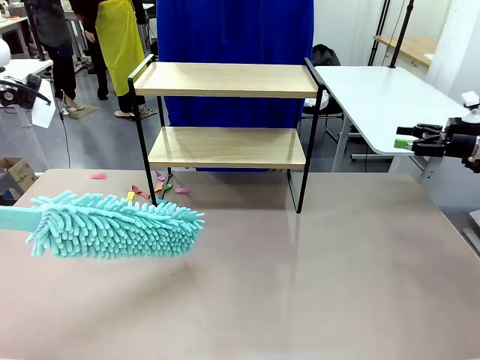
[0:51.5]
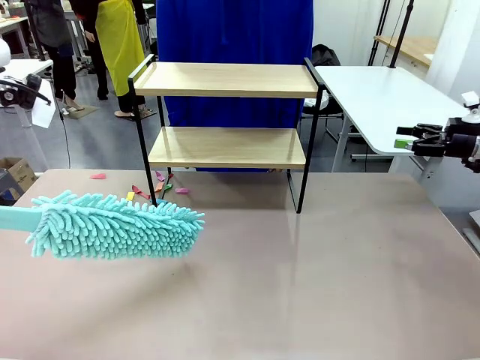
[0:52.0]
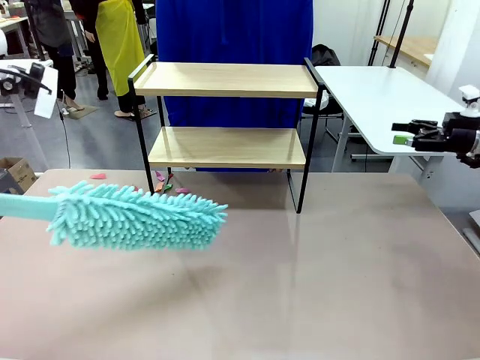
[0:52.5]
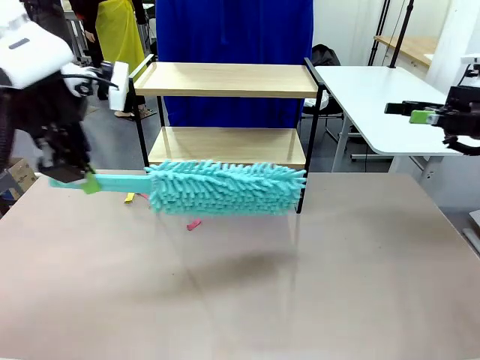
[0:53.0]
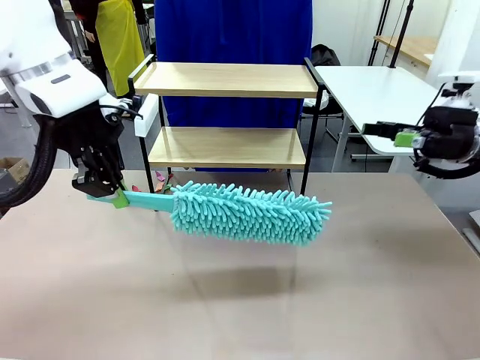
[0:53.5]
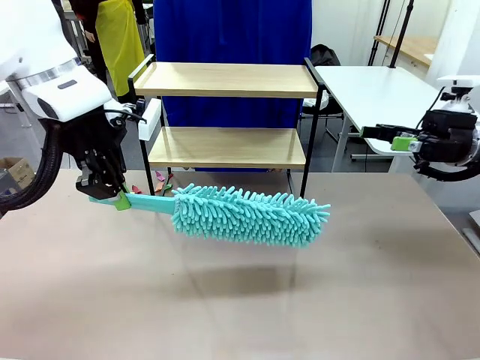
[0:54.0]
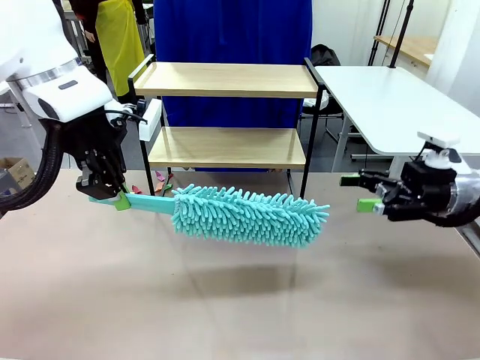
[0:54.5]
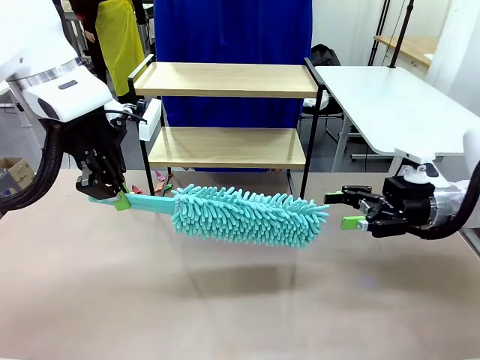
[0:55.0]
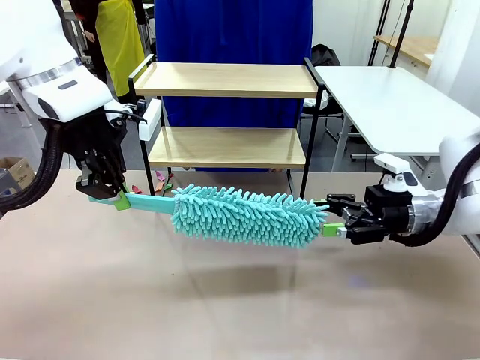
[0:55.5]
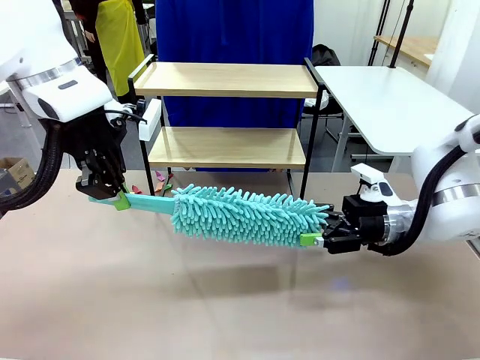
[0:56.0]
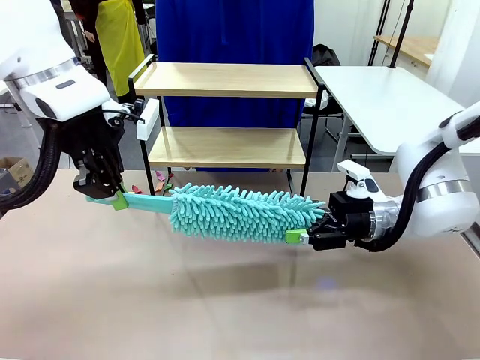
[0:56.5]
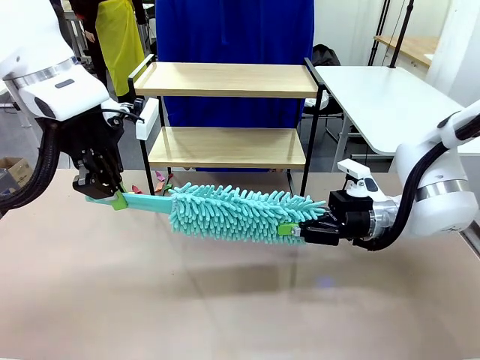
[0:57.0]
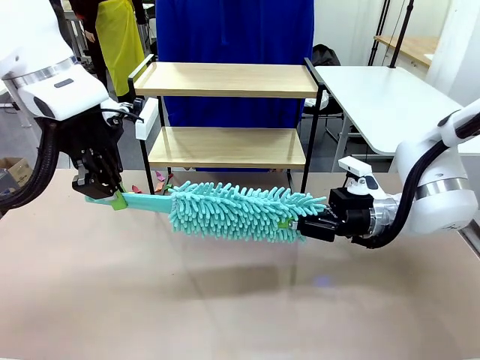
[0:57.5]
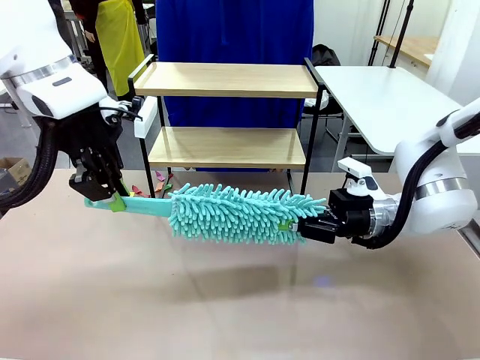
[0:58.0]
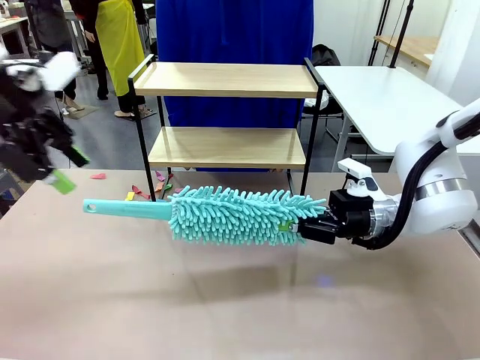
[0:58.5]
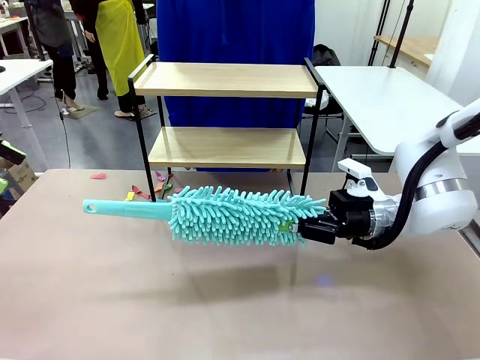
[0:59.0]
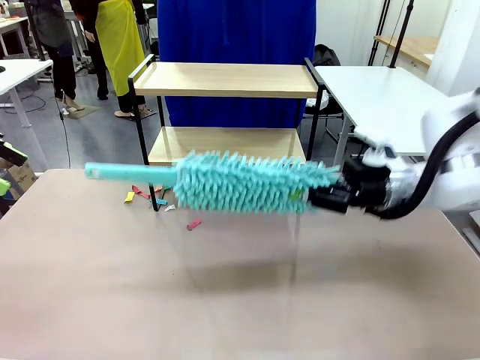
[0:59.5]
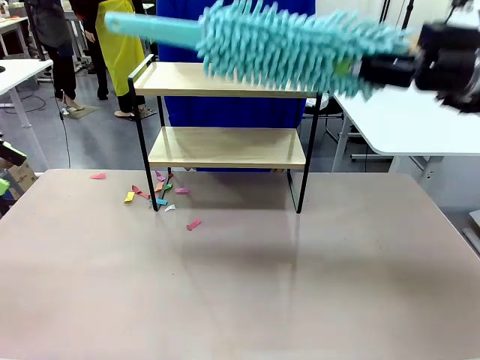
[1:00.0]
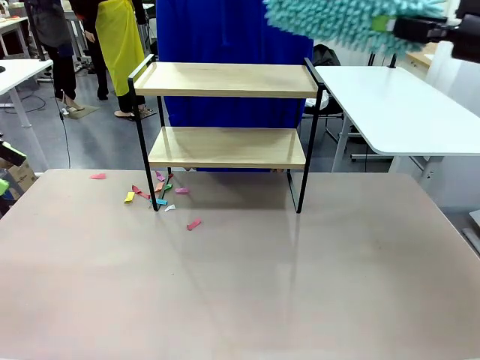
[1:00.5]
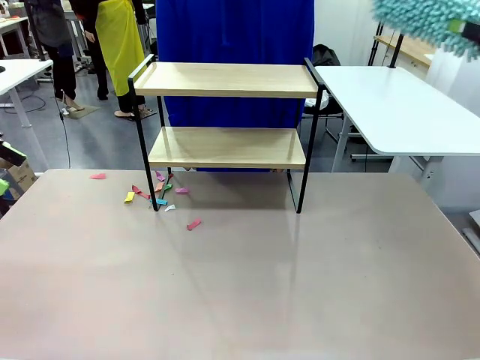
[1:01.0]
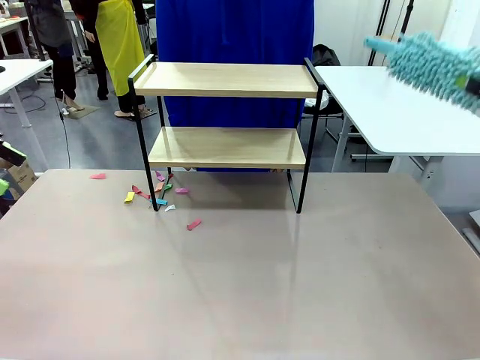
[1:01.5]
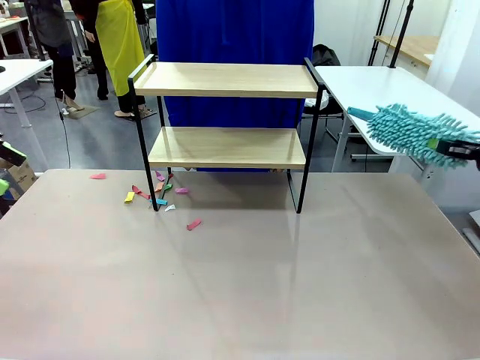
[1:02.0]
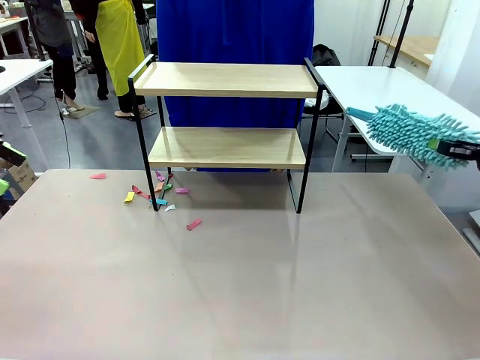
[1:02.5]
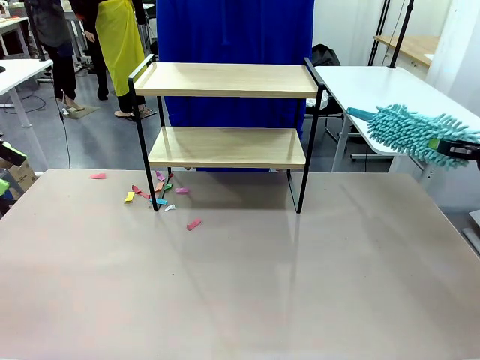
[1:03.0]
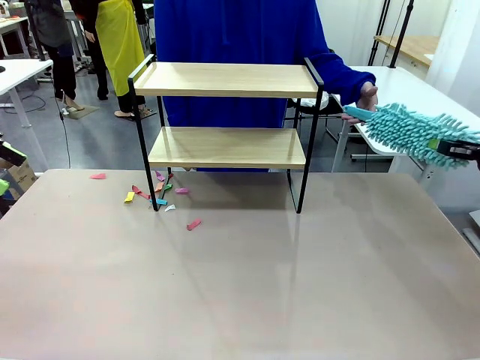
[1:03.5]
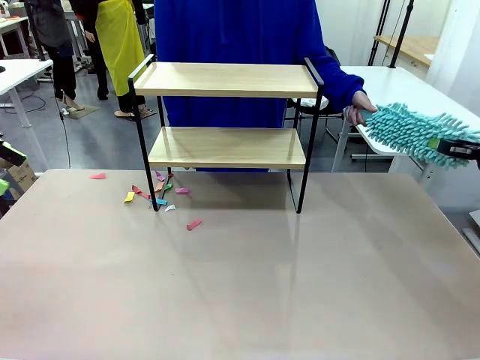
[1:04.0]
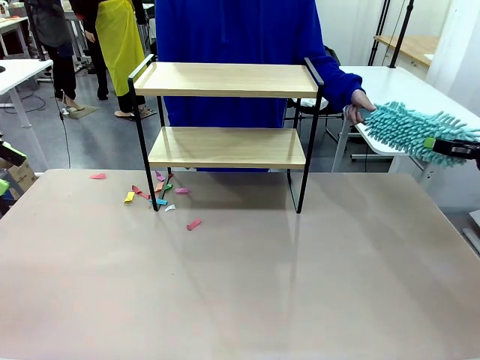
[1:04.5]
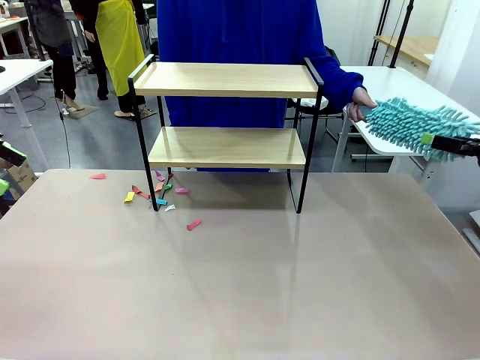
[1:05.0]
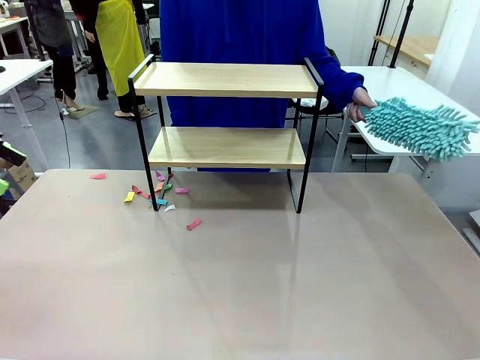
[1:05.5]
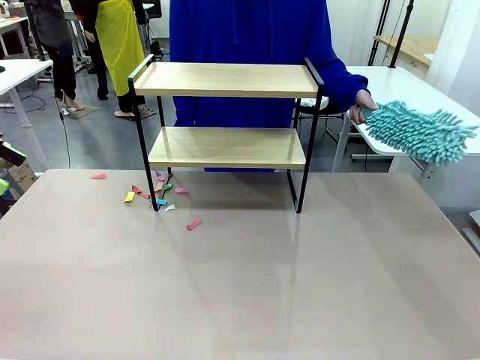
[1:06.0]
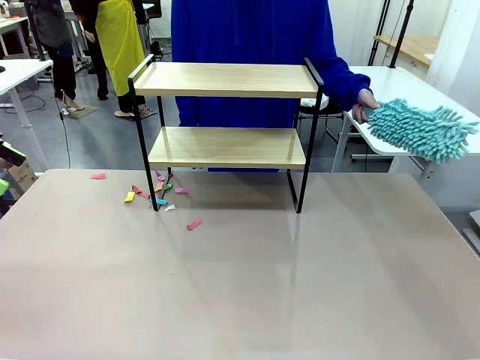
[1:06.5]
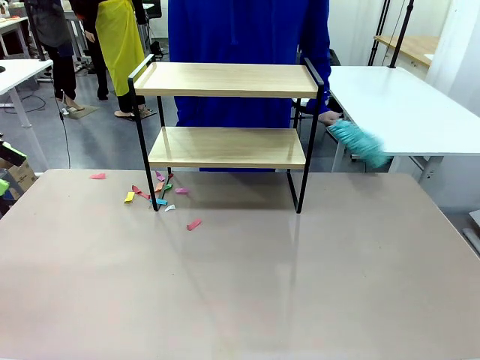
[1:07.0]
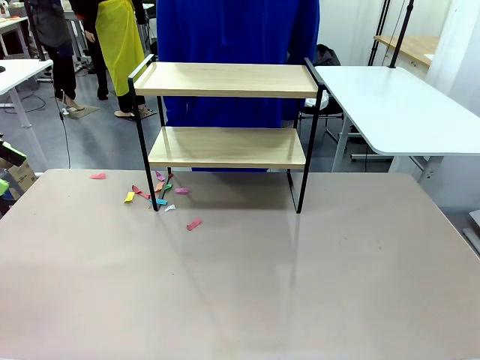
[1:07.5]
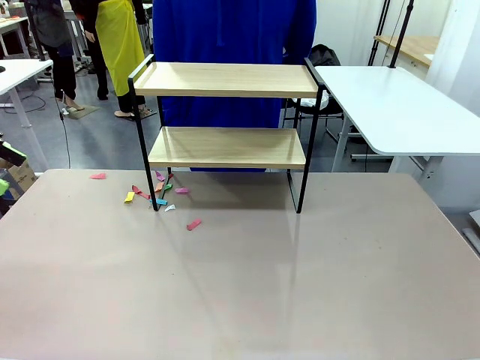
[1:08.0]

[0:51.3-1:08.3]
Task: Clean the shelf.
Robot: Hand the Duster back to the human.
Person: Receive the Duster from the robot.

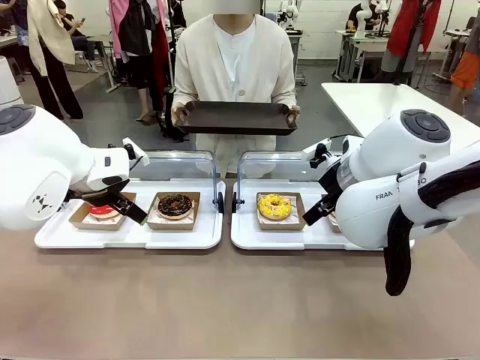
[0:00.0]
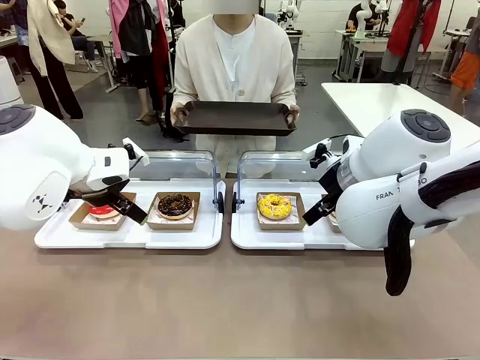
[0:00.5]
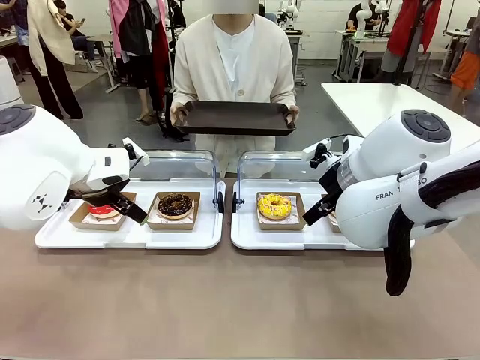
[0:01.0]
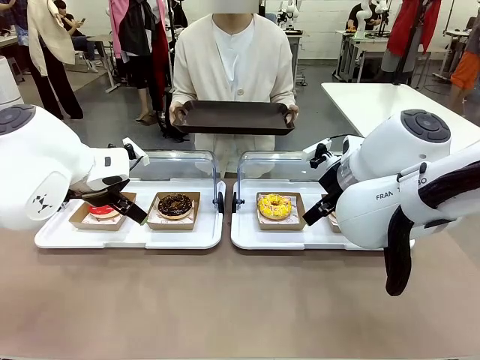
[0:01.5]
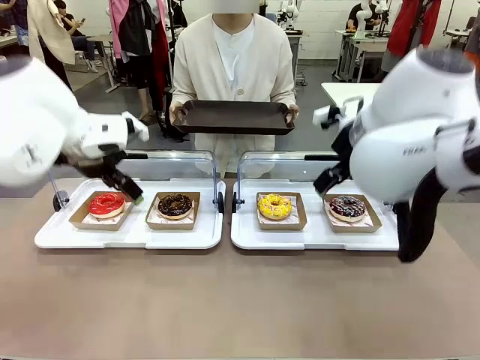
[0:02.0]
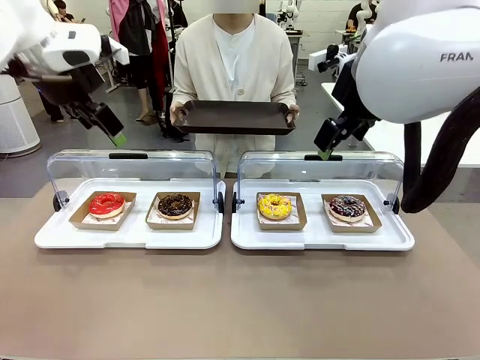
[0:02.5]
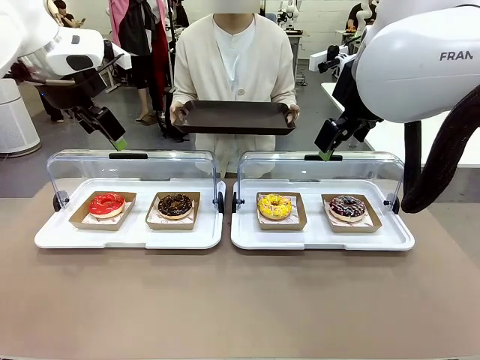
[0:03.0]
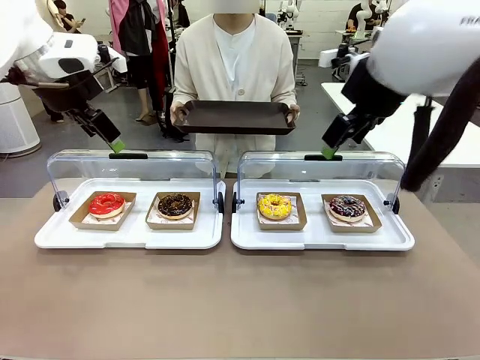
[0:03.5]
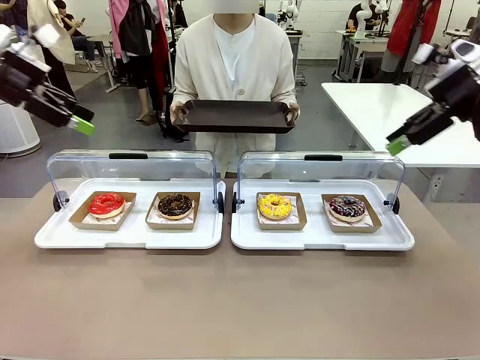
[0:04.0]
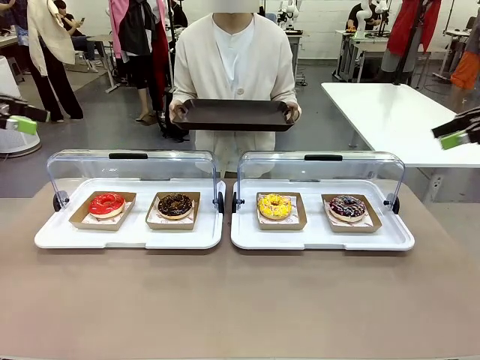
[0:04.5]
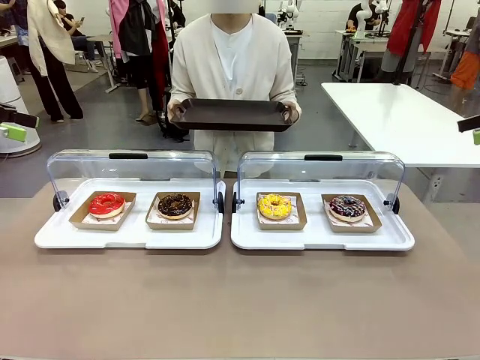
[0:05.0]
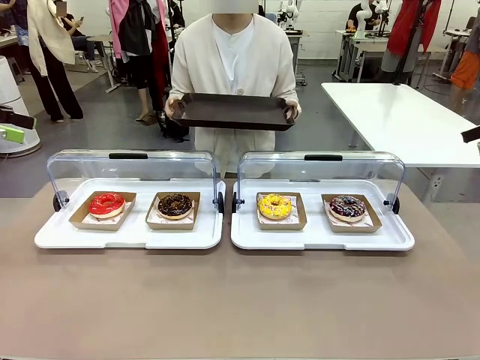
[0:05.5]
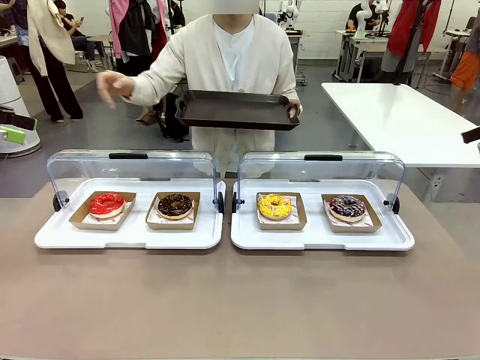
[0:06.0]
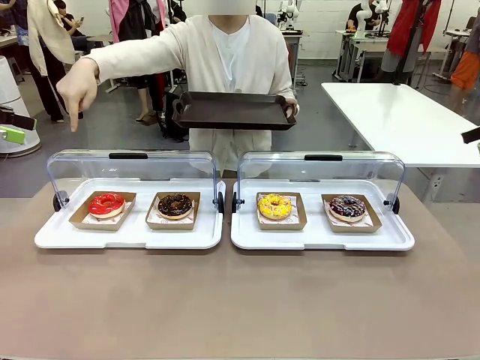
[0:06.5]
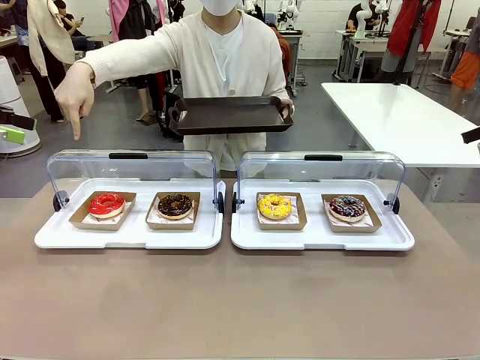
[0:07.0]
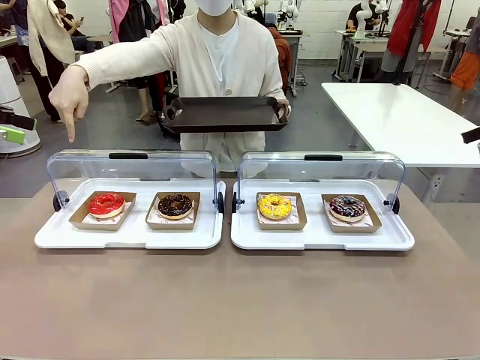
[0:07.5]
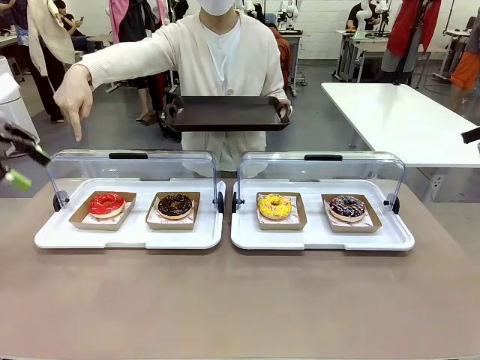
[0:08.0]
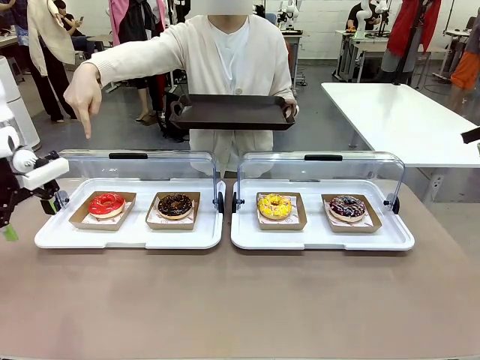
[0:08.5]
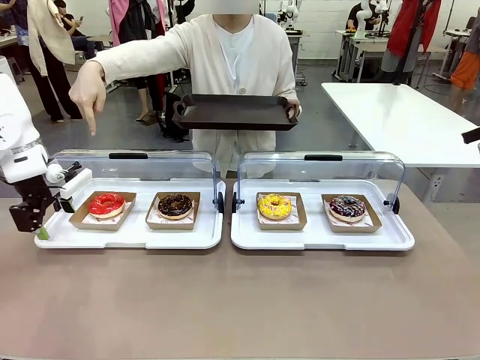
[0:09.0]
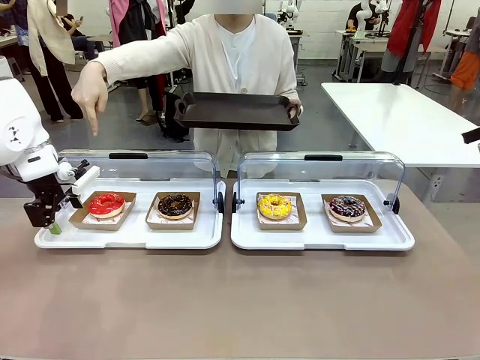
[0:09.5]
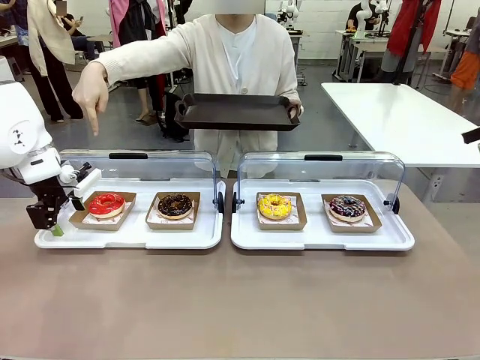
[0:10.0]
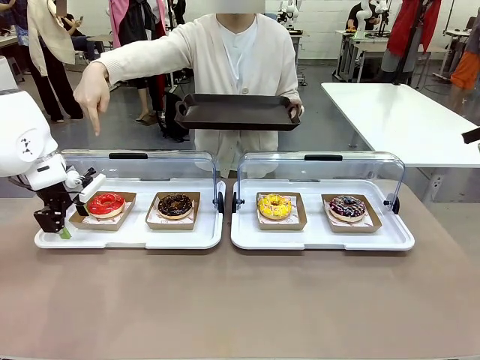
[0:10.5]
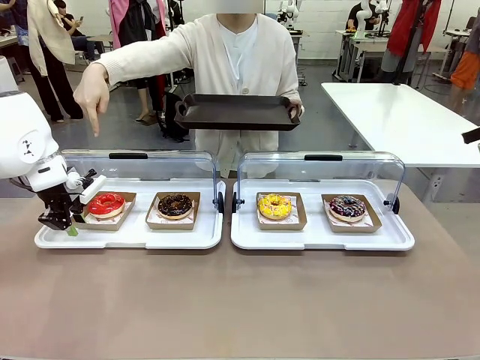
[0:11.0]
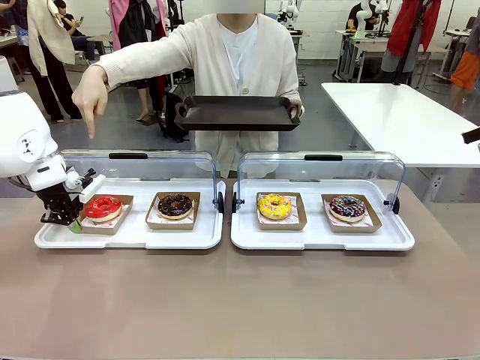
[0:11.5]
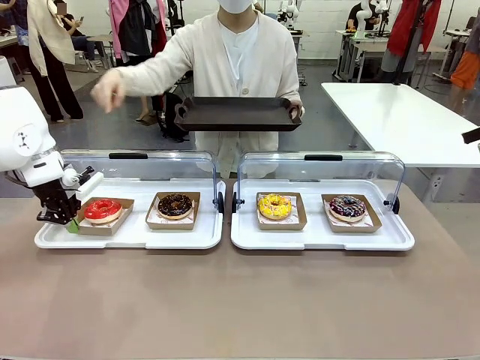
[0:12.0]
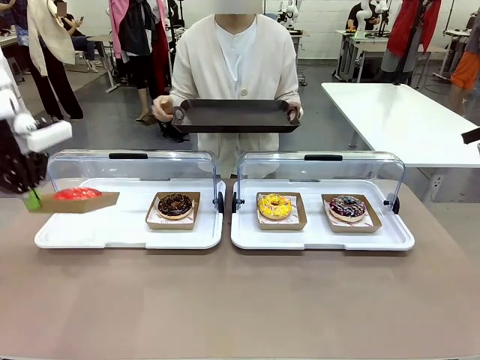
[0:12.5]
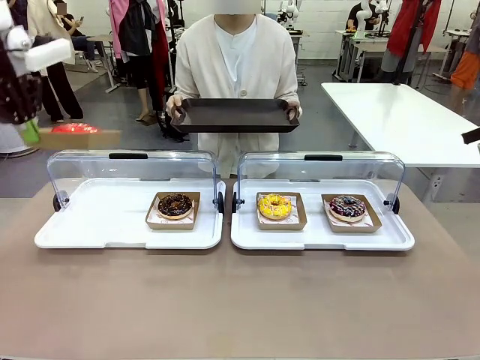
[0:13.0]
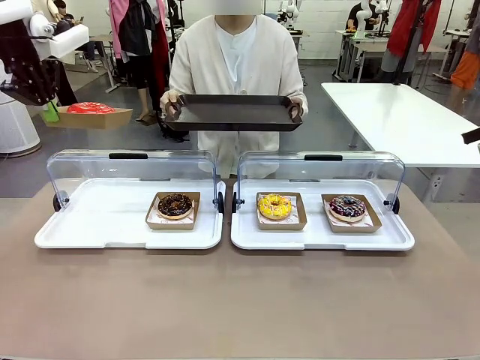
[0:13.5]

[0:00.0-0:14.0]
Task: Provide the desired donut to the person.
Robot: Pick up and lift the Paper togo box containing the Donut pointed at by the person.
Person: Point to one donut. Lift the tray onto the Roll-Top Bakery Case.
